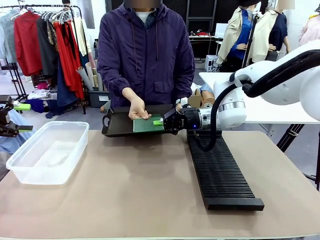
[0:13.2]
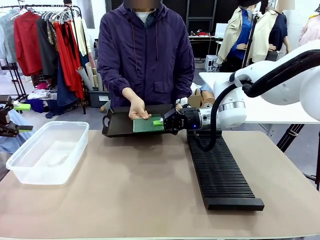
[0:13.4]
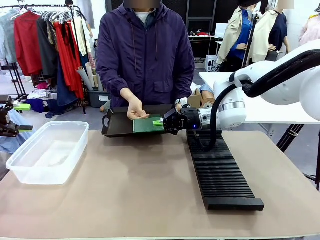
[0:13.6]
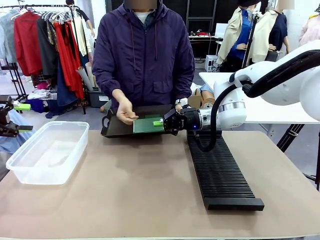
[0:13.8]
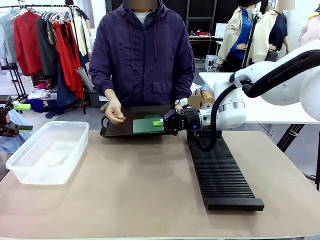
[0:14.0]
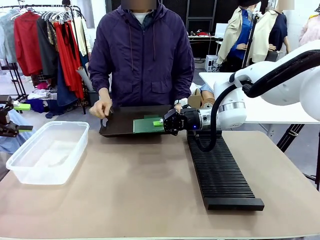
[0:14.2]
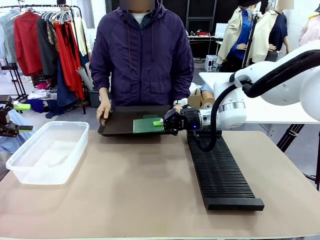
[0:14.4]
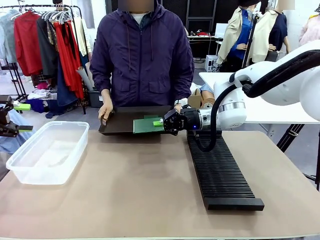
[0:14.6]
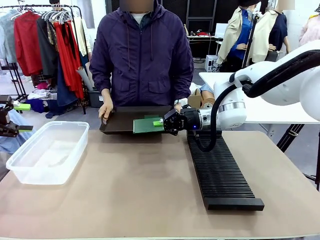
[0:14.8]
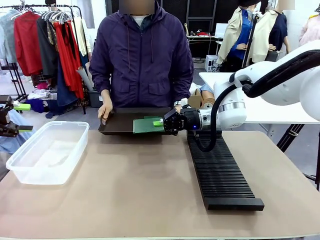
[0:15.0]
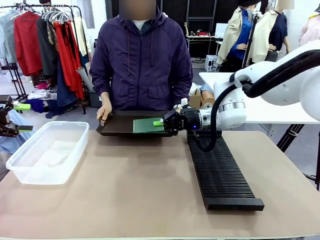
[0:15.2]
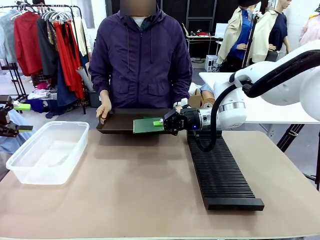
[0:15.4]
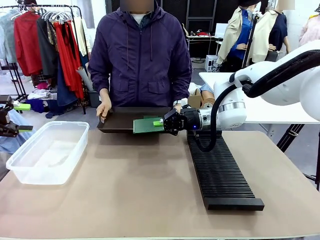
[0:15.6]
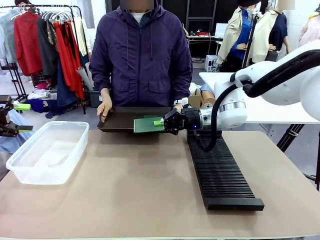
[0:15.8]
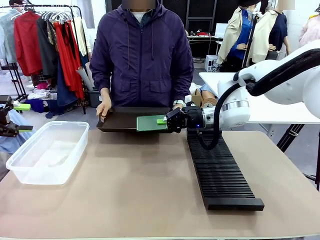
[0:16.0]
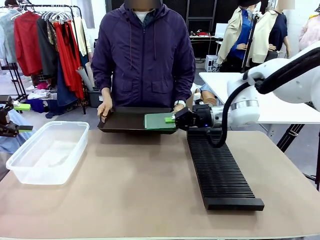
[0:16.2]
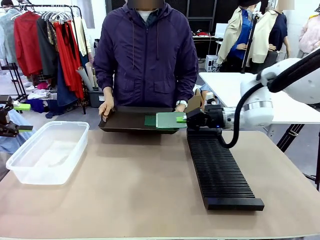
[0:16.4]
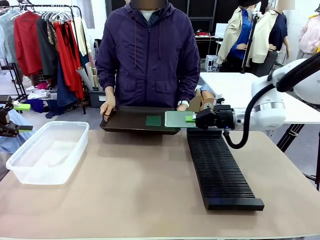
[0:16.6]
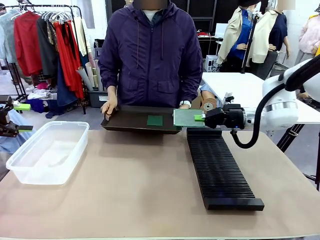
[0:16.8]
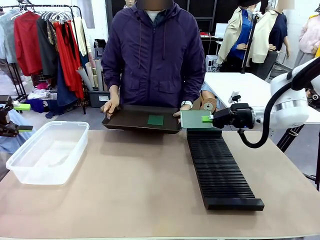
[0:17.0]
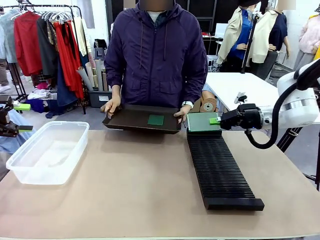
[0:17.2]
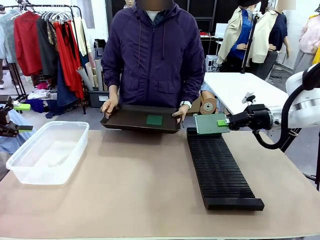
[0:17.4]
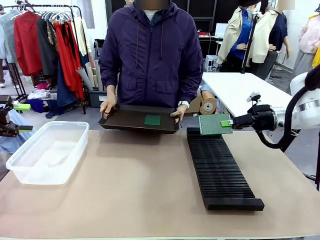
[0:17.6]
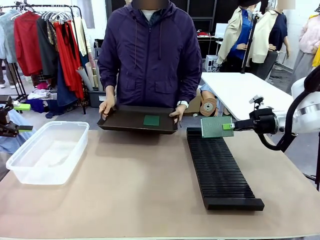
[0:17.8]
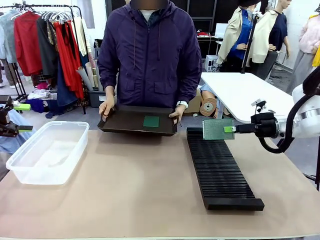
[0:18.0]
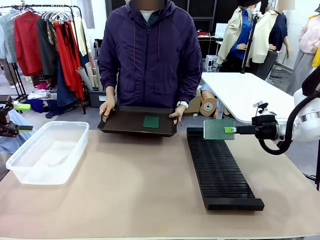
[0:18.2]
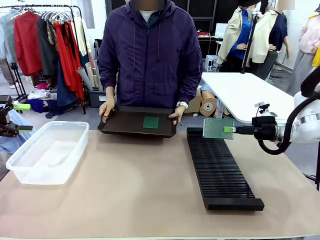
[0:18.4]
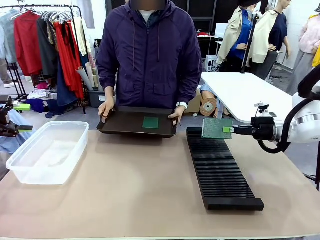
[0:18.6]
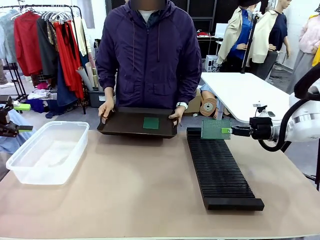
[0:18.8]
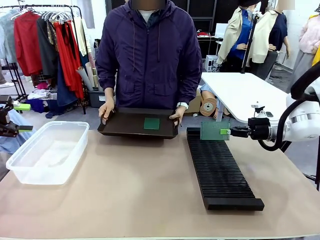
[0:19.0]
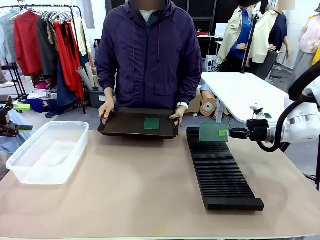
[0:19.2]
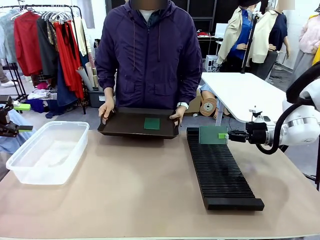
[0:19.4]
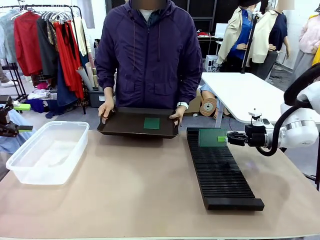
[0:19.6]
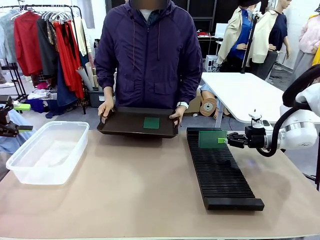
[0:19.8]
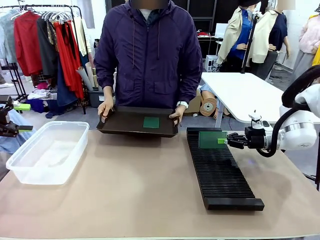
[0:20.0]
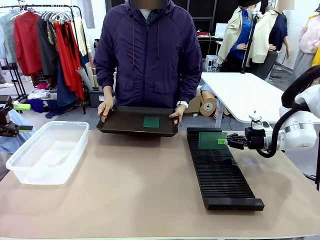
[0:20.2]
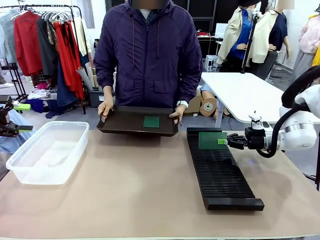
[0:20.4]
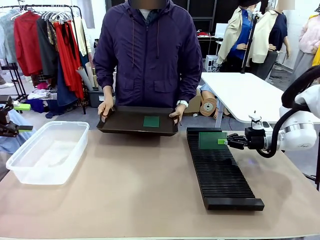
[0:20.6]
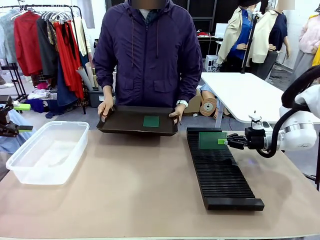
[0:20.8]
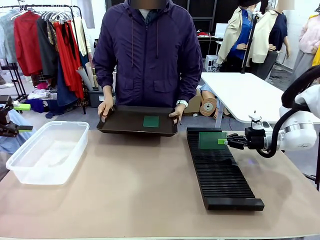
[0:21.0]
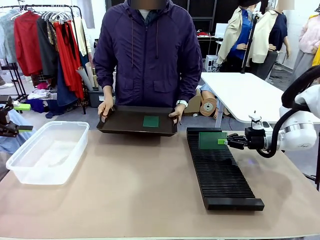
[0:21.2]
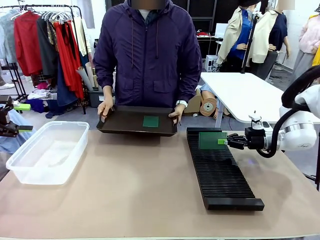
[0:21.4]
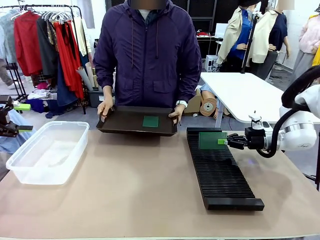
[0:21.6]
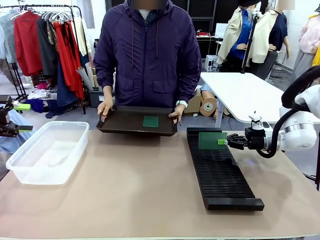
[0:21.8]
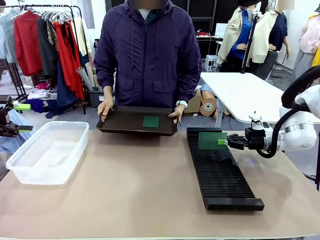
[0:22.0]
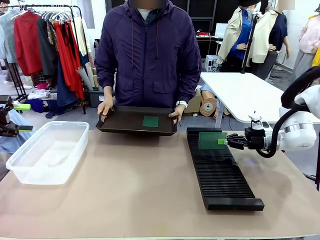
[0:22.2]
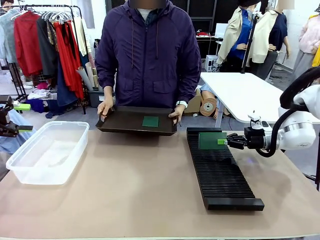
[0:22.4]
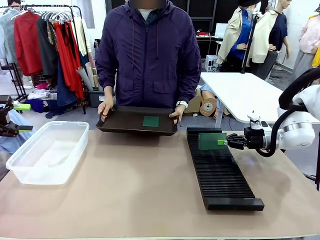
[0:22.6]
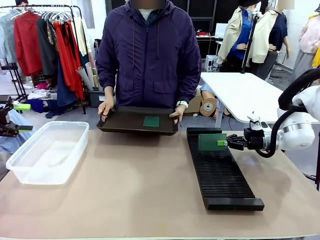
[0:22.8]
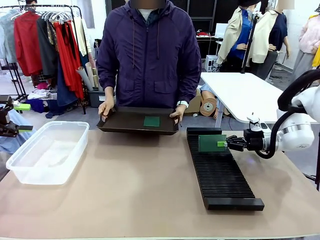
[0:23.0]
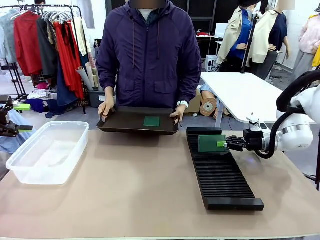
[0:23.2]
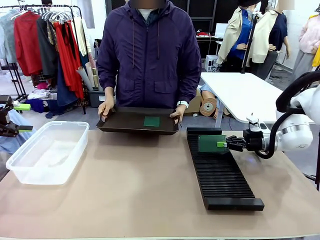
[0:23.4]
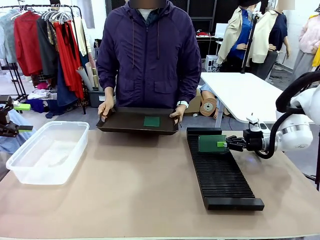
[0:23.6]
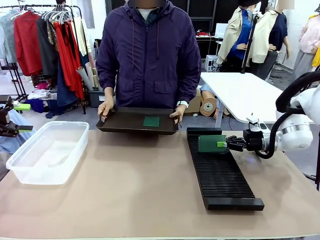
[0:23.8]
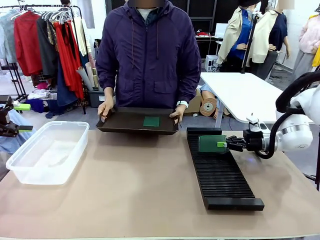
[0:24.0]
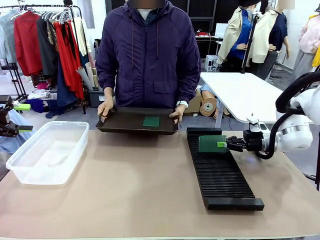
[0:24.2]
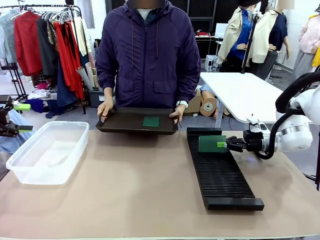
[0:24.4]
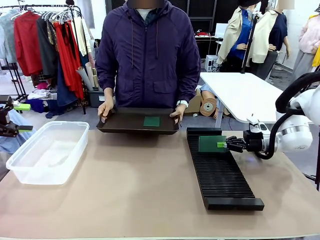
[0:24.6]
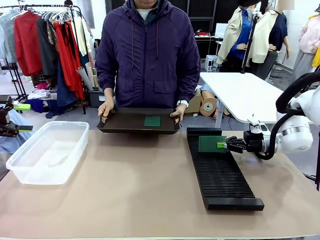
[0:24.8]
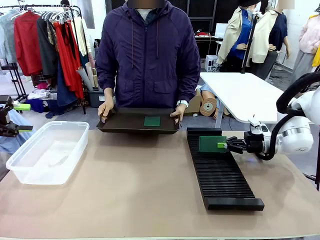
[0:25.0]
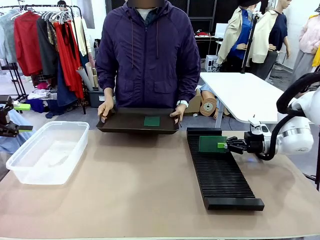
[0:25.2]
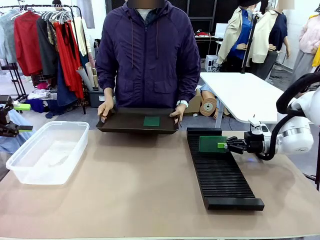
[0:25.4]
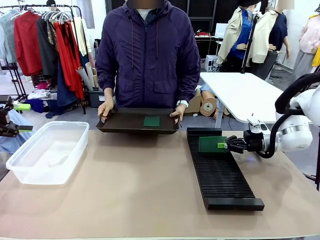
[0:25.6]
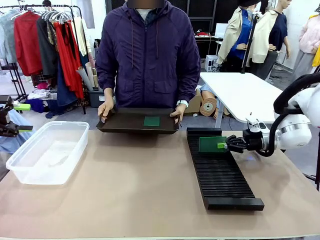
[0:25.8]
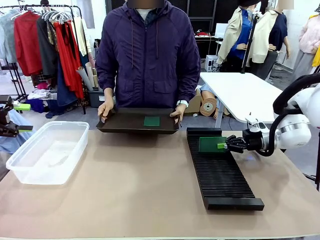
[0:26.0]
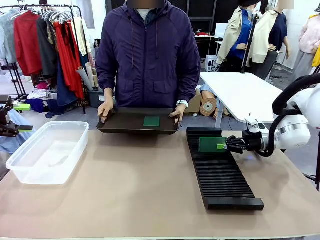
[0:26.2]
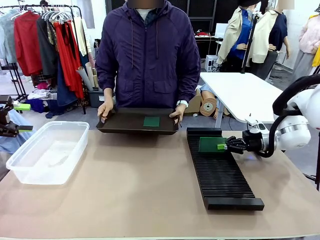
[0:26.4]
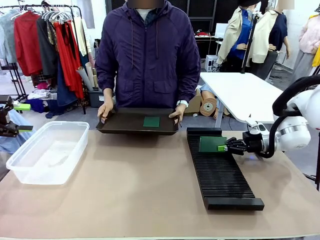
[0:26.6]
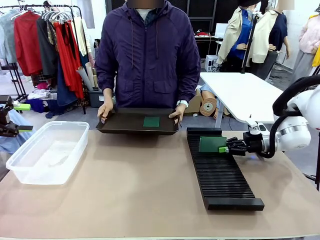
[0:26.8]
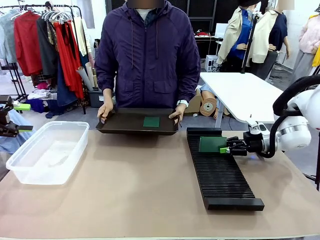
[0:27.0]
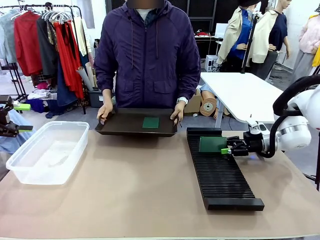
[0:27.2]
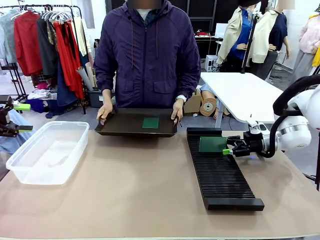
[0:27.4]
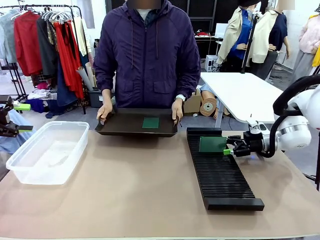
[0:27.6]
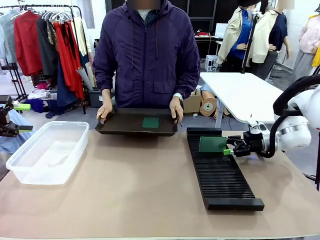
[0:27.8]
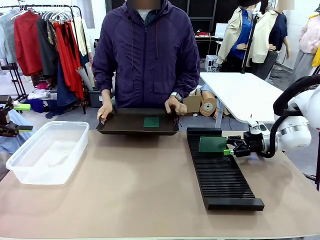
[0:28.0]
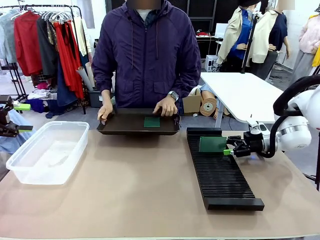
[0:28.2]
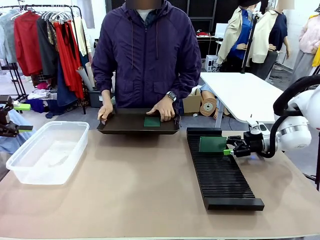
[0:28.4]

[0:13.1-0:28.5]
Task: Sort PCBs into racks and boxes based on the side picked up.
Robot: If the short side of the Blank PCB is picked up, insert it into the PCB Rack ; if the long side is picked up, place it in the Organizing box.
Person: Pick one PCB from the tray and present it to the robot.

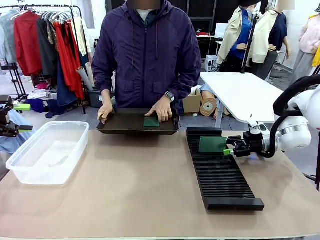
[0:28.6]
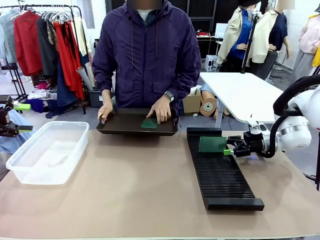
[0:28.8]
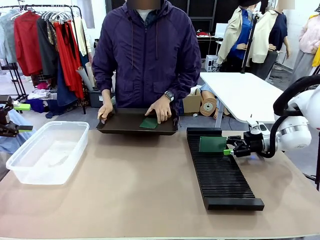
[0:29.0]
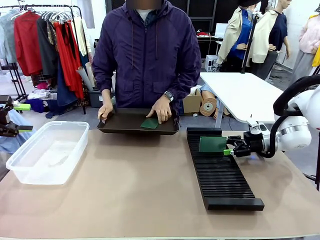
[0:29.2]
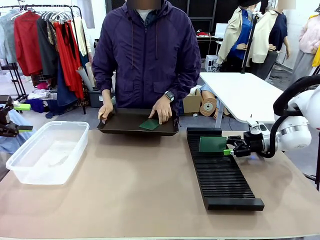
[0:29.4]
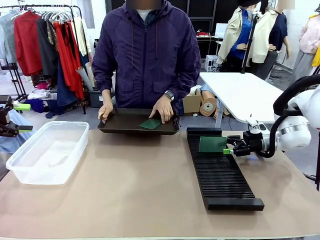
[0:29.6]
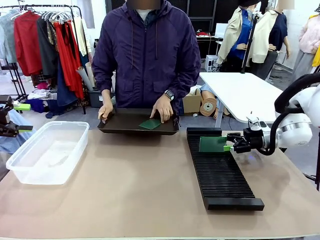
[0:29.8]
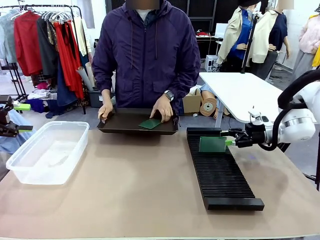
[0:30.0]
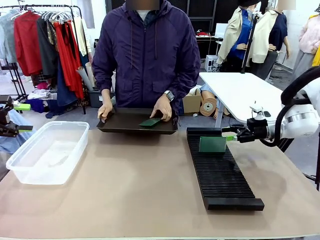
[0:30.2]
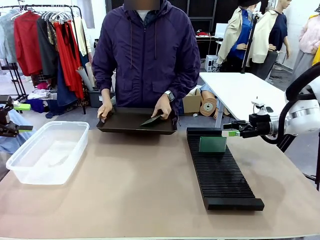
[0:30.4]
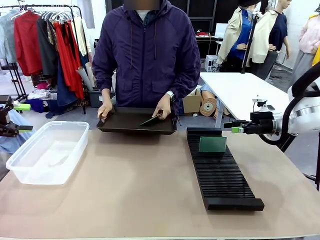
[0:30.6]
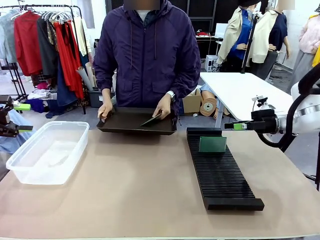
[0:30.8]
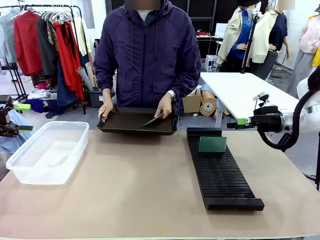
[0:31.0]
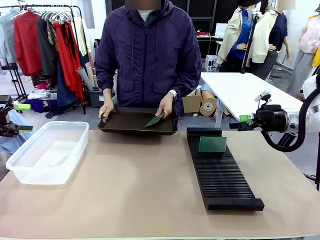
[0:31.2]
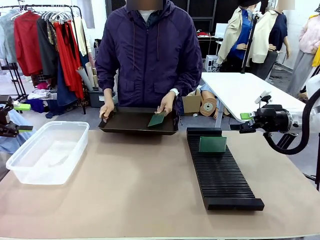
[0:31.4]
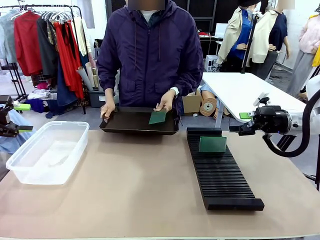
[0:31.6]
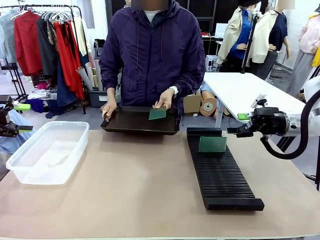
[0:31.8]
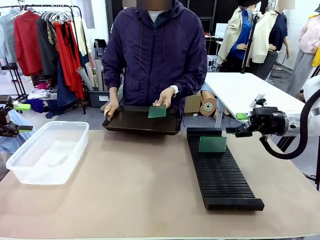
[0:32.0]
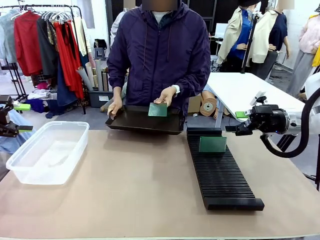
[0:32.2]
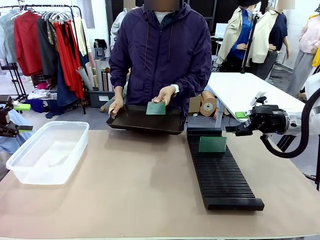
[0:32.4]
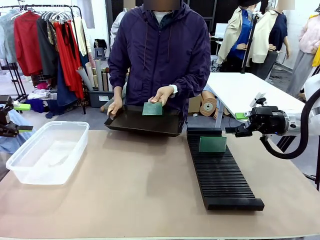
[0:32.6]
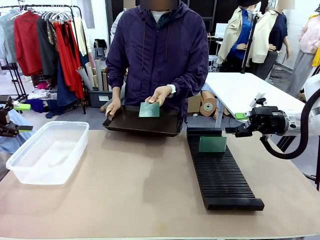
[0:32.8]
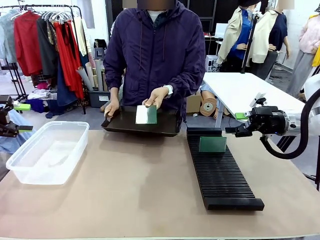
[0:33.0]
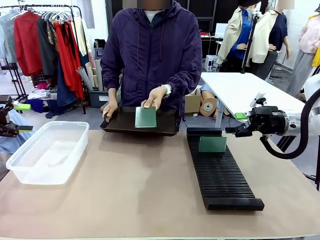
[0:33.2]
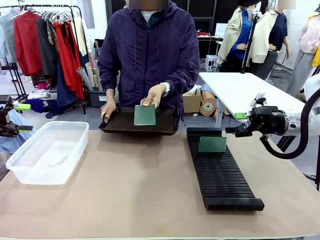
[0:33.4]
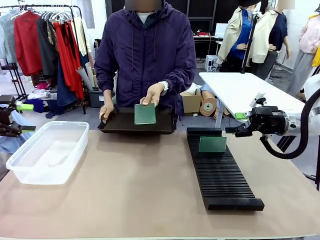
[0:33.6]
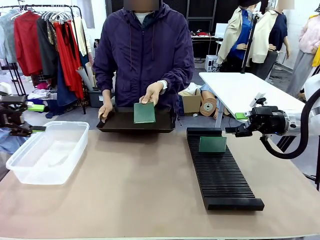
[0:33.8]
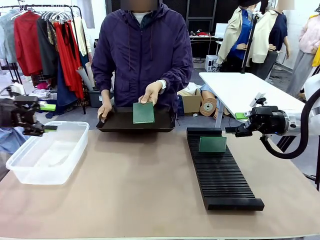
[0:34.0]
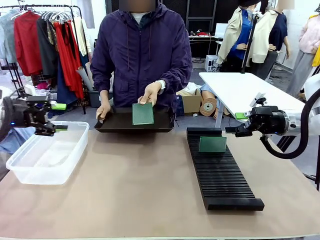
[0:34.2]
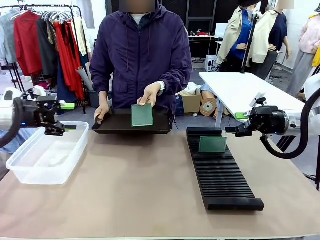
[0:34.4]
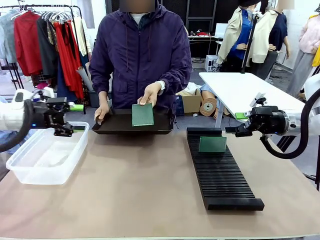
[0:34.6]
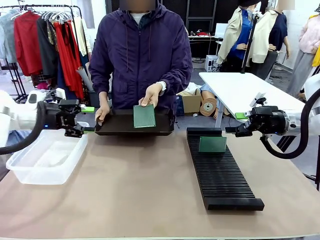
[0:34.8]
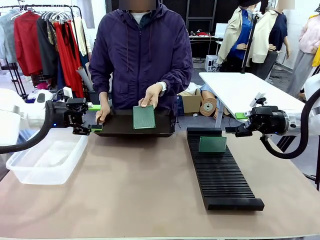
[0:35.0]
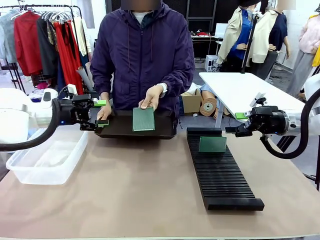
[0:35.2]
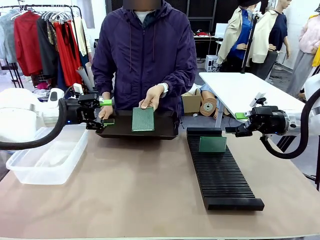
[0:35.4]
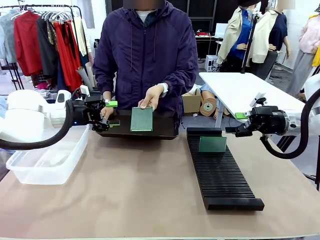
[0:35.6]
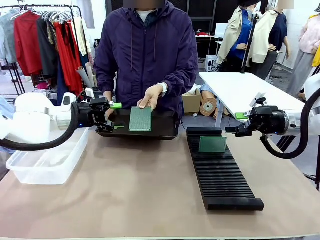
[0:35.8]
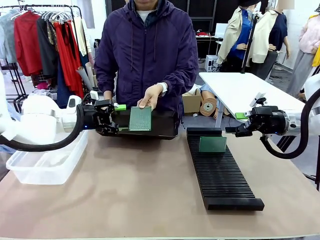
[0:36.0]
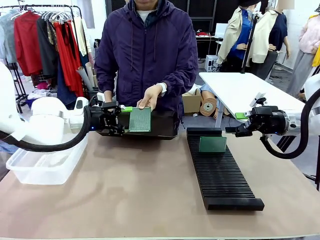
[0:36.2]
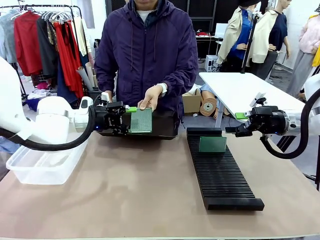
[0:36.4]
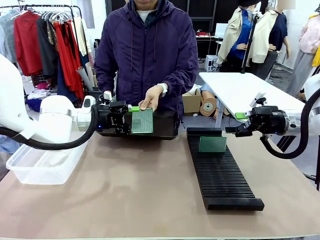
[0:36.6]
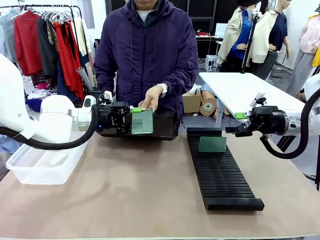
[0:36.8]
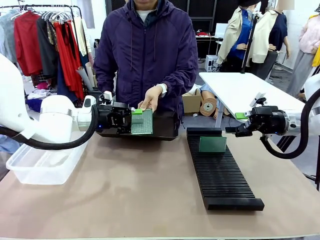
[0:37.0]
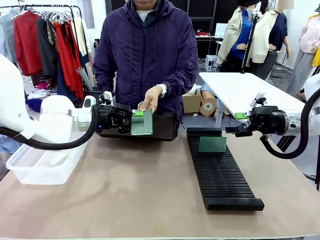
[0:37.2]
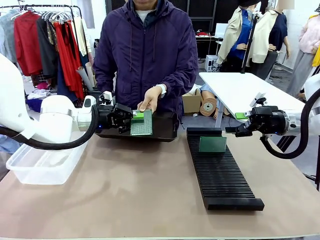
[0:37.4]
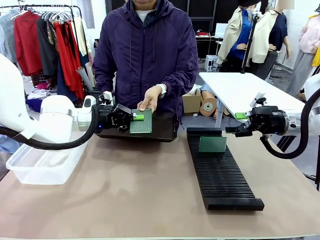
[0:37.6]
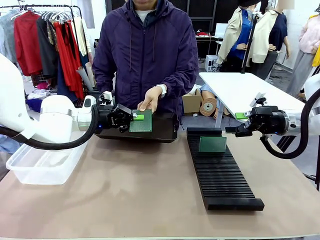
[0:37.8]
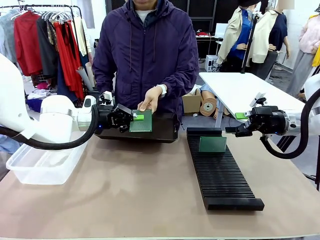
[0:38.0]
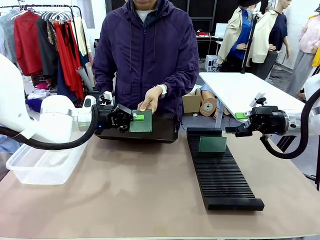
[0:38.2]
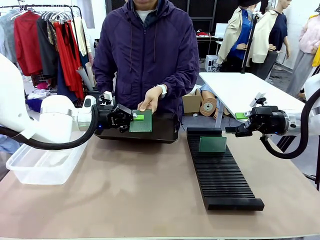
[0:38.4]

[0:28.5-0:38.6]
Robot: Pick up the Blank PCB handed by the Human.
